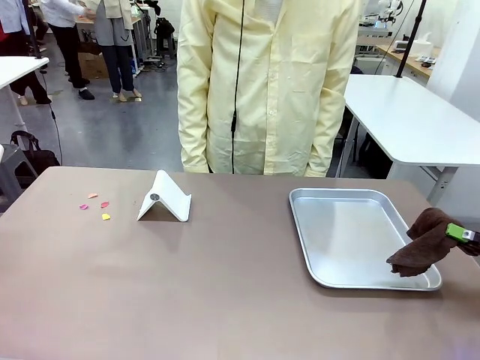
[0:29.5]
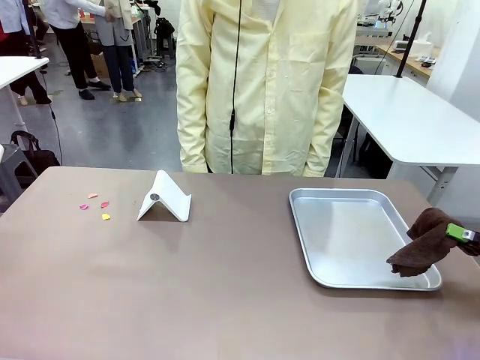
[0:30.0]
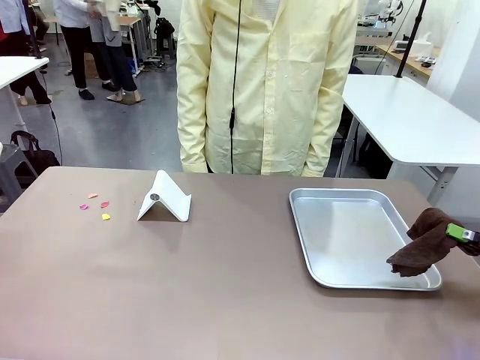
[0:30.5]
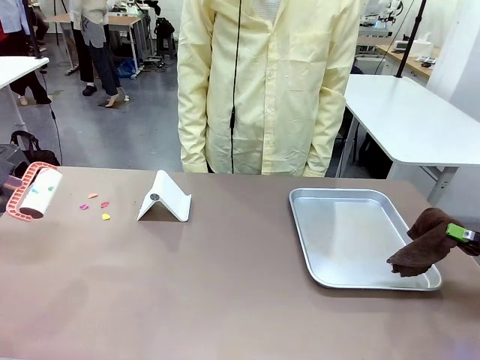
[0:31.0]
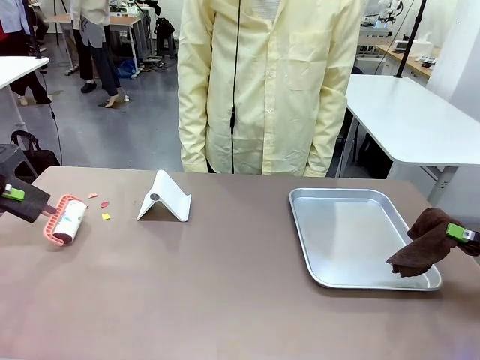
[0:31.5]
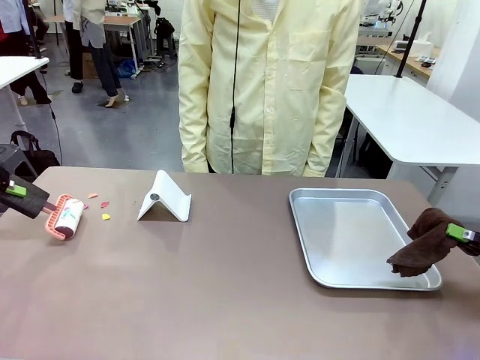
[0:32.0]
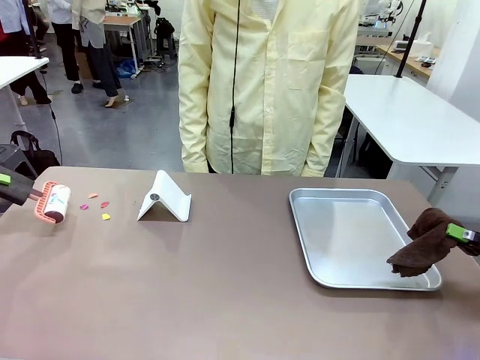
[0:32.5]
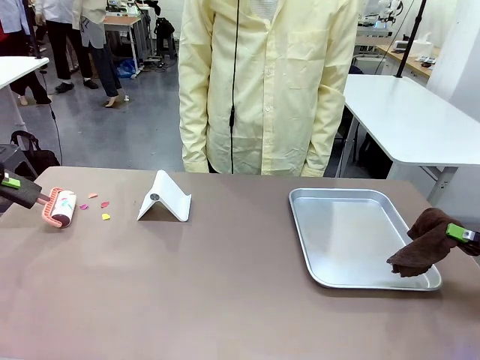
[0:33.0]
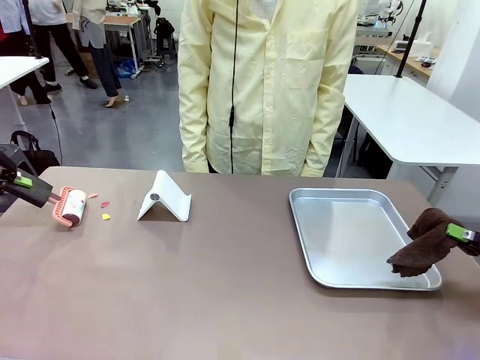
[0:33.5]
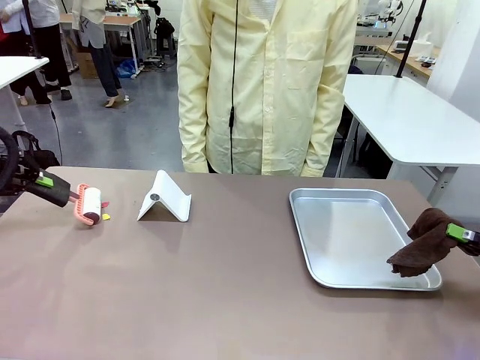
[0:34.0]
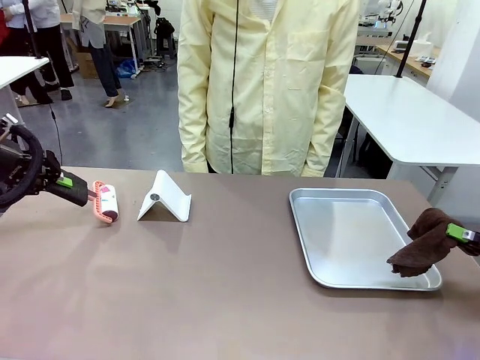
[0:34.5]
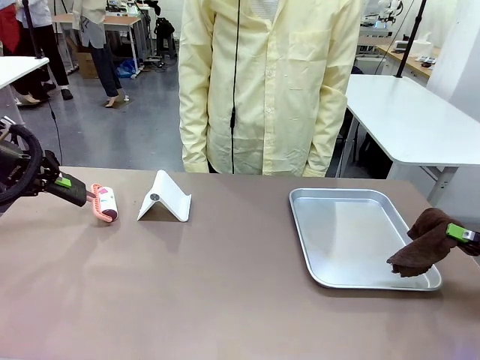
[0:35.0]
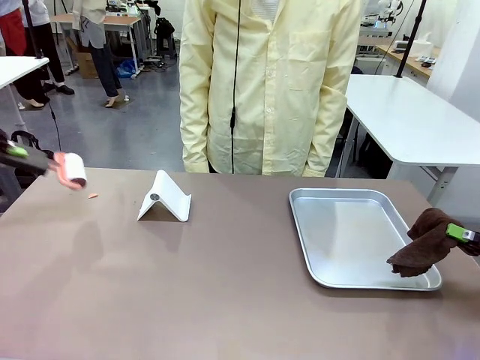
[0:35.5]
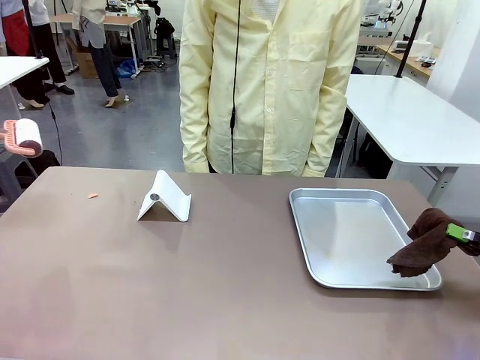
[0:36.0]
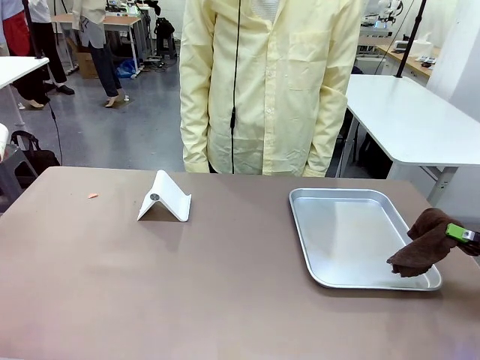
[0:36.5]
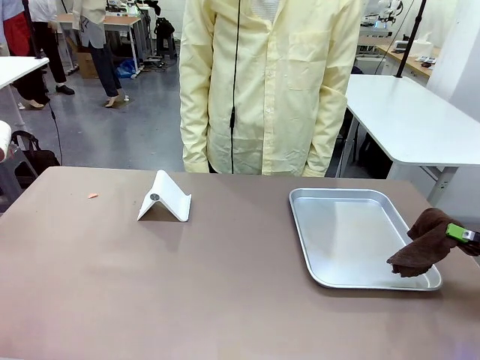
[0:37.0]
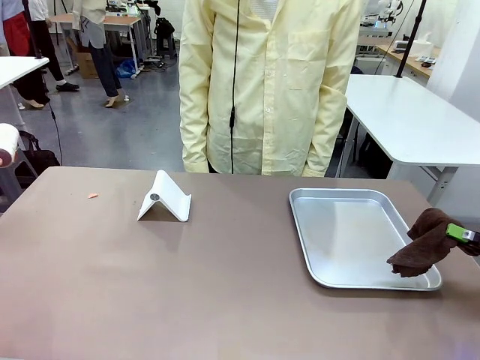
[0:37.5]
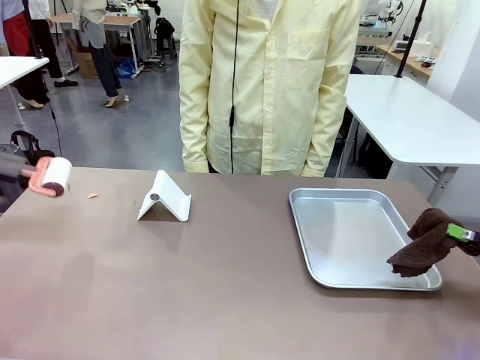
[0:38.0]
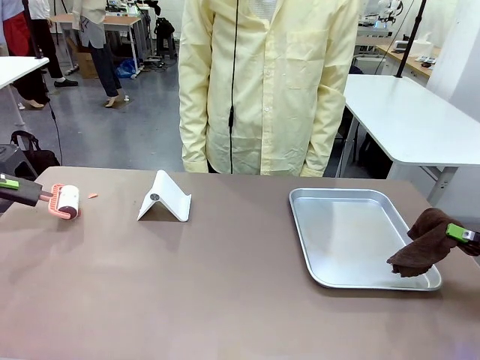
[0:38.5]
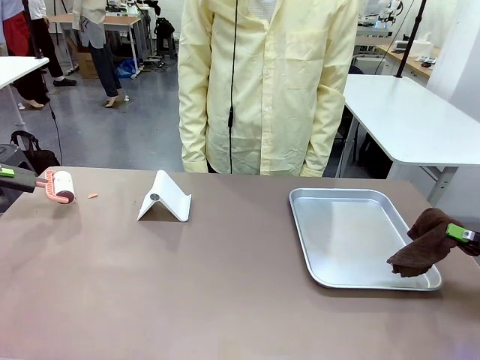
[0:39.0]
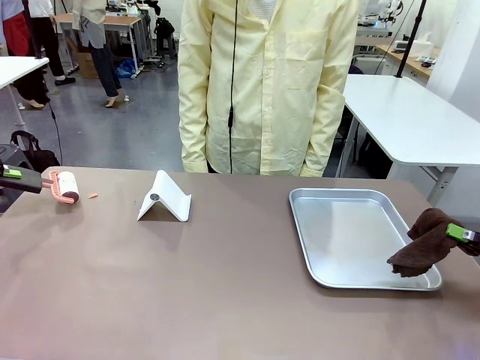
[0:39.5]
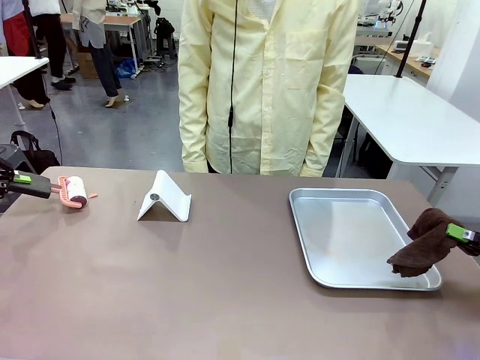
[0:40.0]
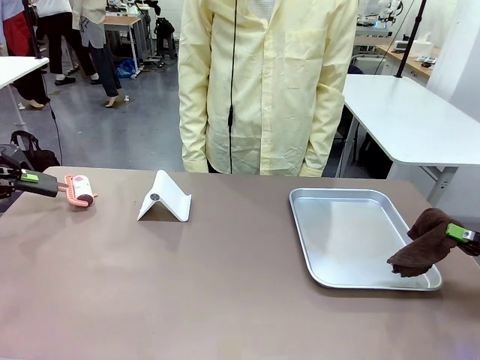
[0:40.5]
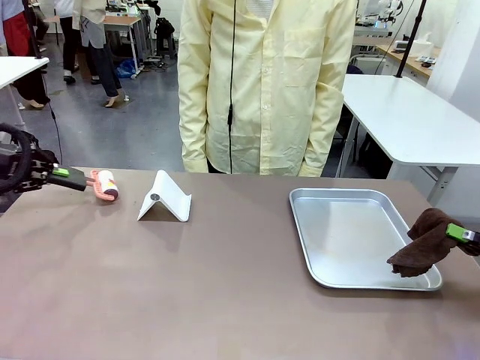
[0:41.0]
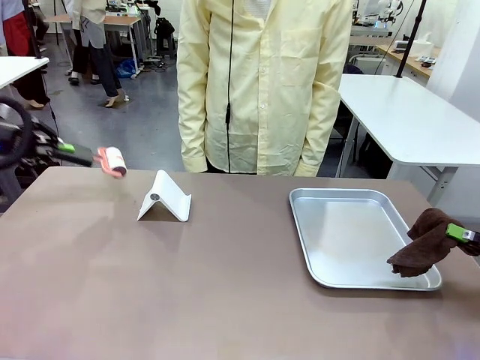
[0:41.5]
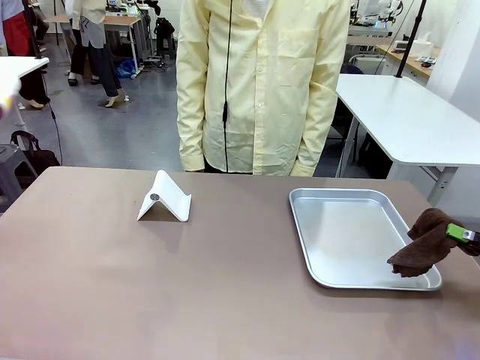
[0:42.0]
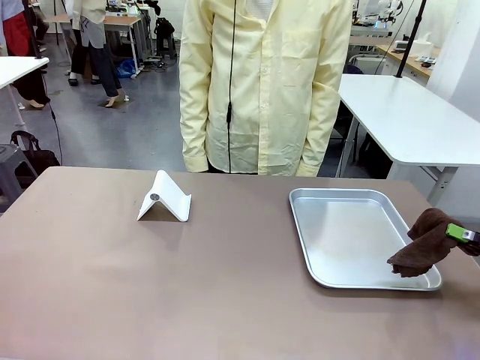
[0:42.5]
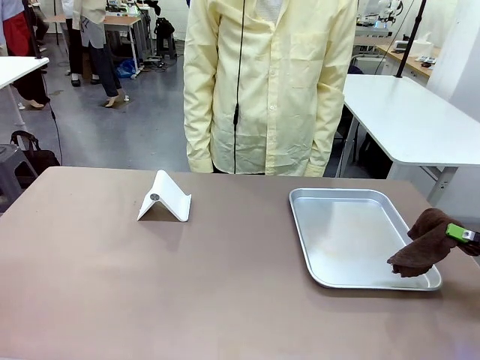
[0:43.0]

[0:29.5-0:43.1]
Task: Clean the surface of the table.
Robot: Clean the area not pointed to by the person.

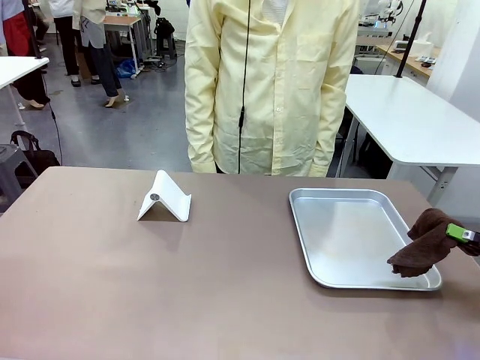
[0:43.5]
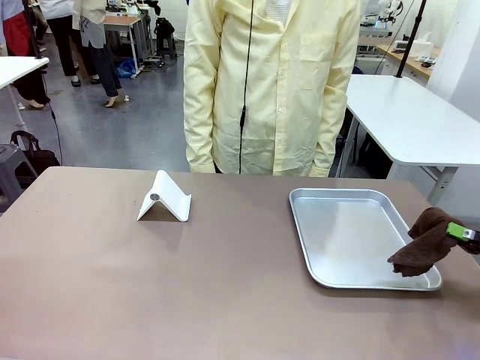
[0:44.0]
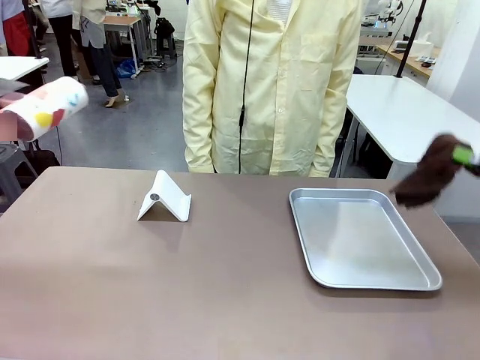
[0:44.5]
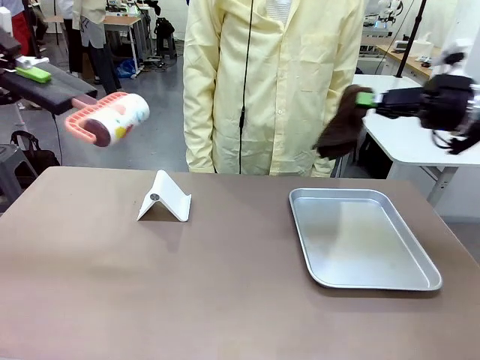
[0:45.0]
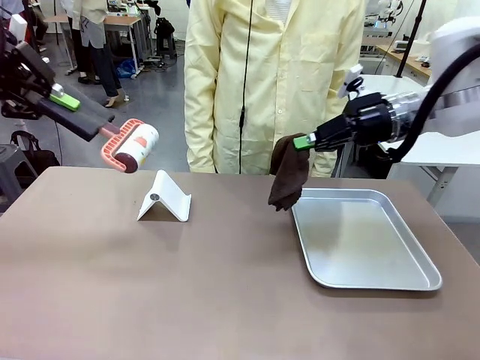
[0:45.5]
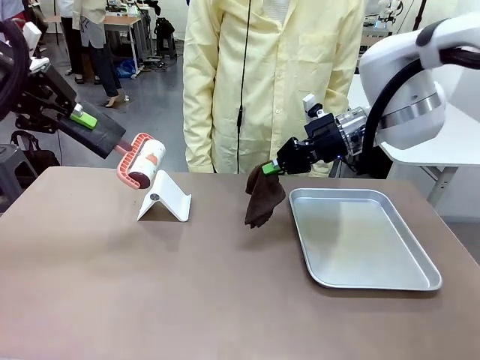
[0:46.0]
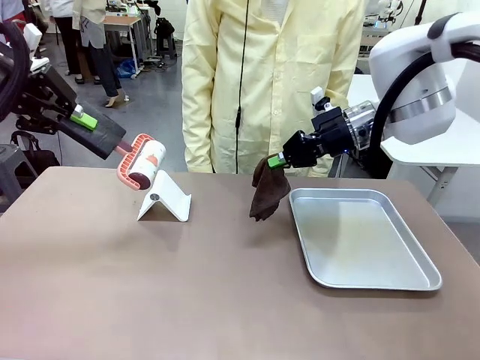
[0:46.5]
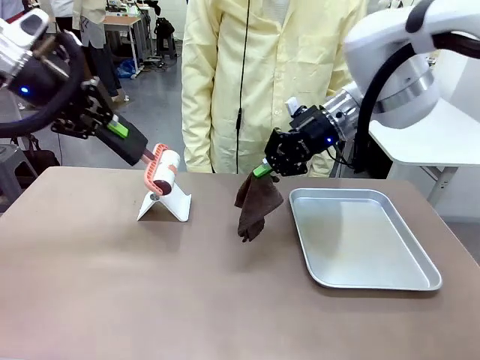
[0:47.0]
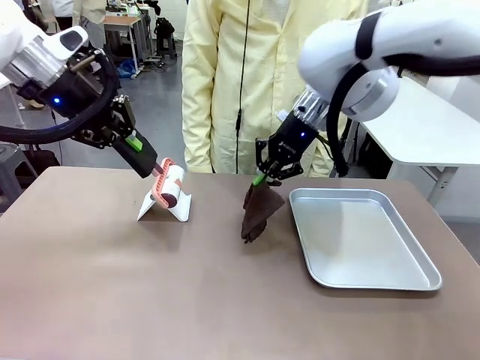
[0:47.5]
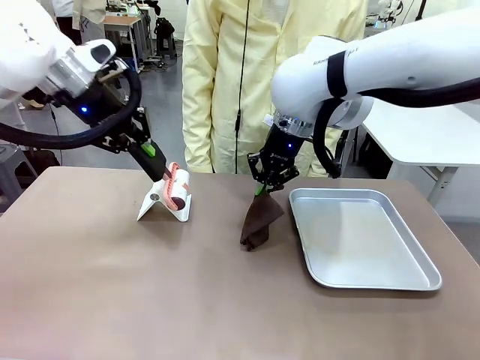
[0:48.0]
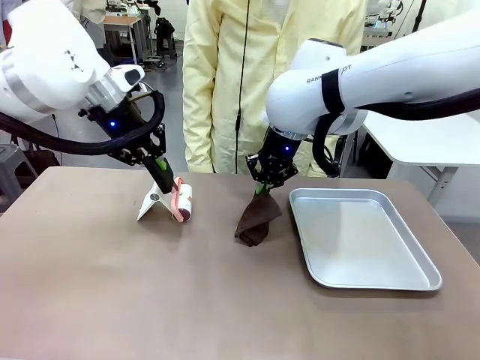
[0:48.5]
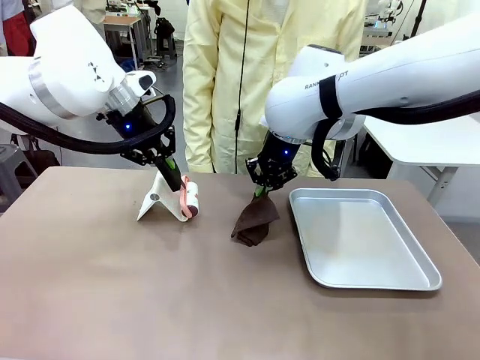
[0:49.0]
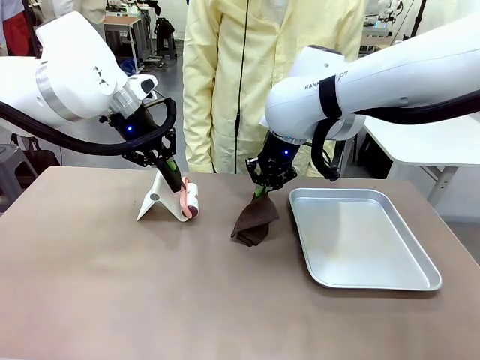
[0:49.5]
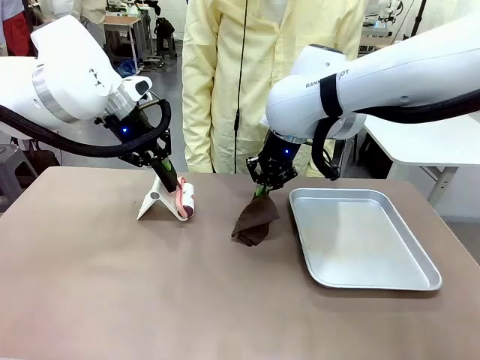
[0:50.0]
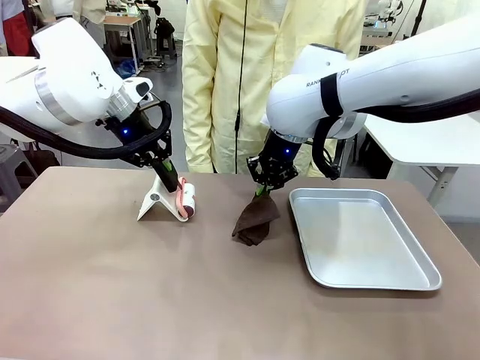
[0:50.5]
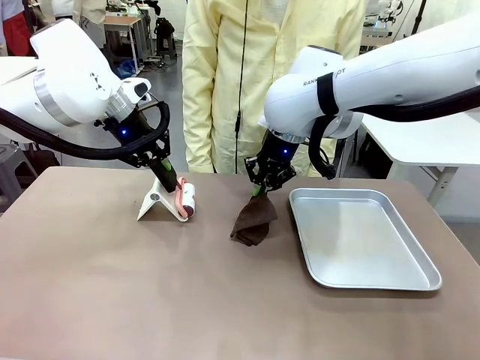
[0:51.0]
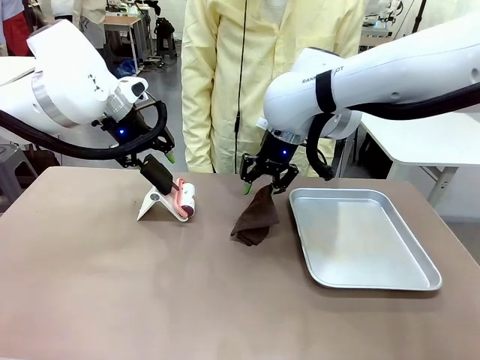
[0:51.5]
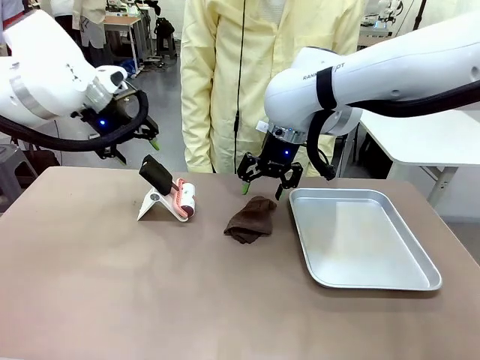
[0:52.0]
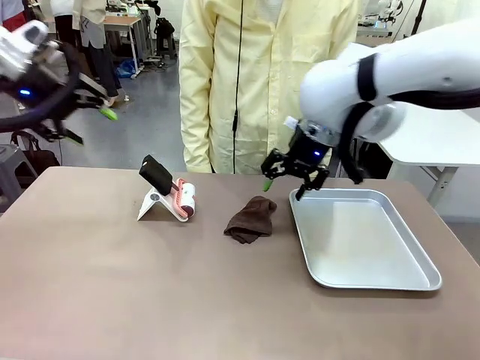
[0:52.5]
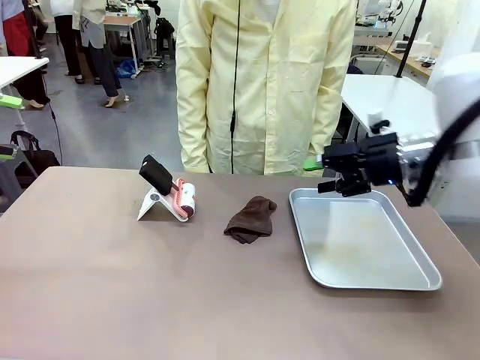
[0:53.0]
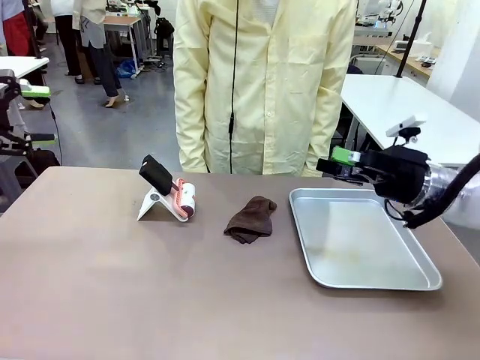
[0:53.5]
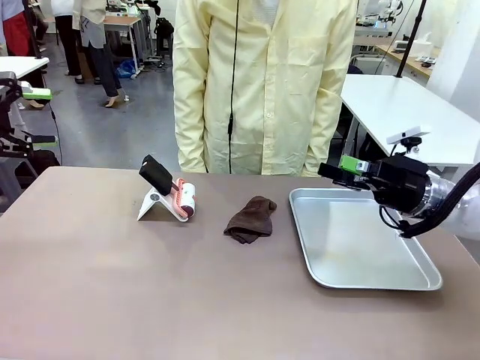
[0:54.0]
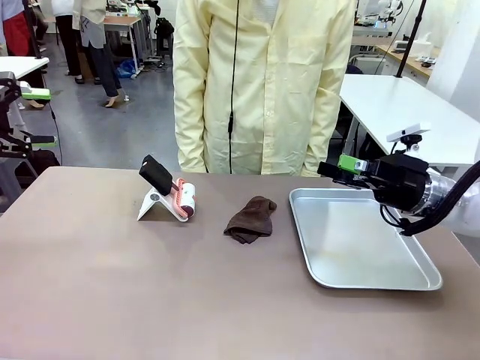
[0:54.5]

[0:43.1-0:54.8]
Robot: Return the Lint Roller and towel to their original positions.
